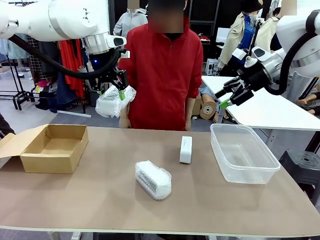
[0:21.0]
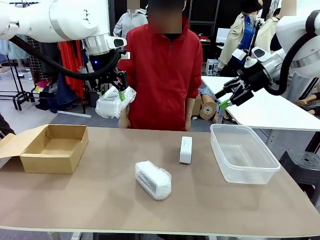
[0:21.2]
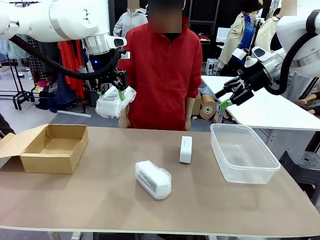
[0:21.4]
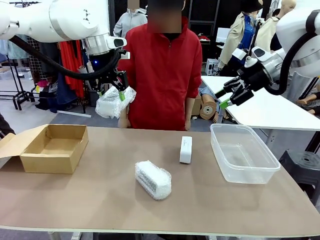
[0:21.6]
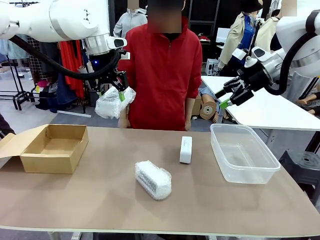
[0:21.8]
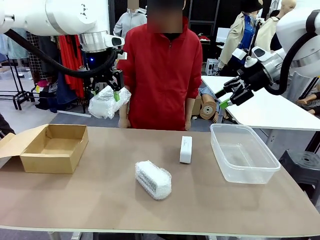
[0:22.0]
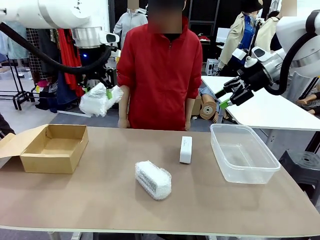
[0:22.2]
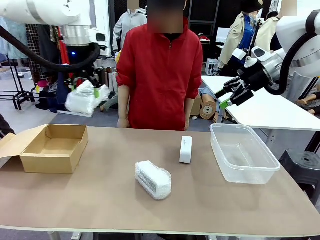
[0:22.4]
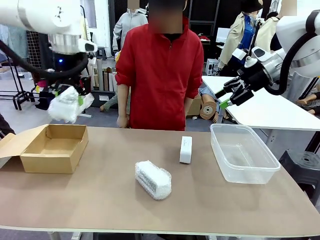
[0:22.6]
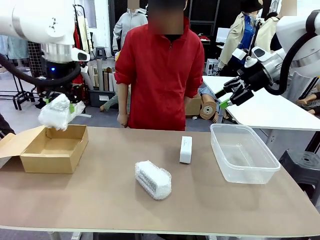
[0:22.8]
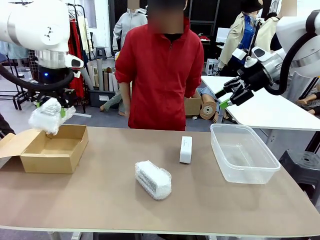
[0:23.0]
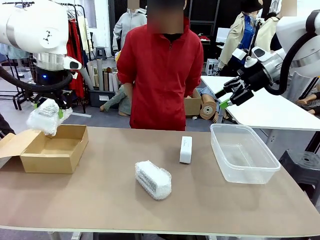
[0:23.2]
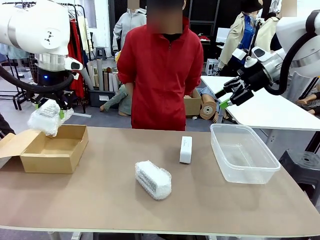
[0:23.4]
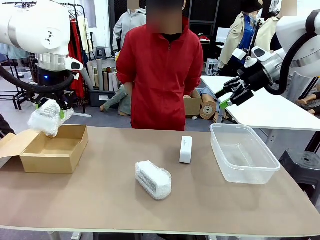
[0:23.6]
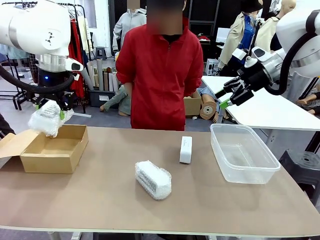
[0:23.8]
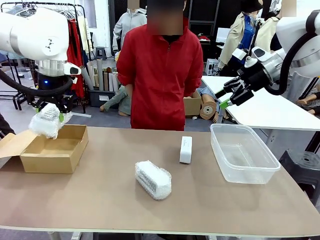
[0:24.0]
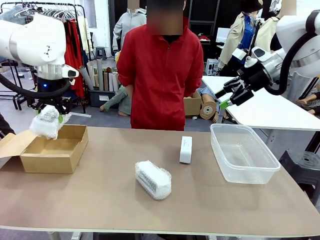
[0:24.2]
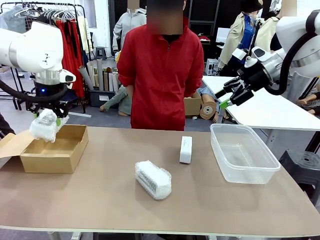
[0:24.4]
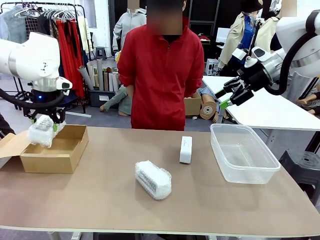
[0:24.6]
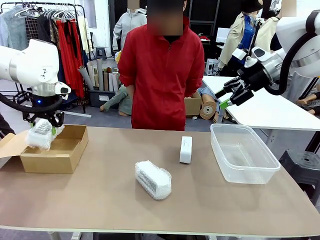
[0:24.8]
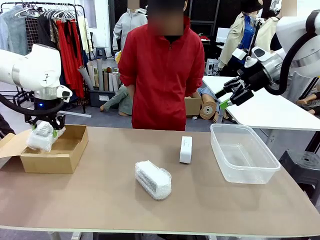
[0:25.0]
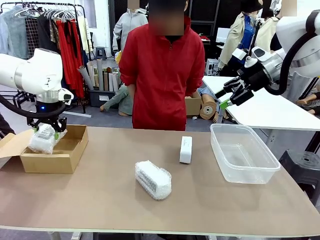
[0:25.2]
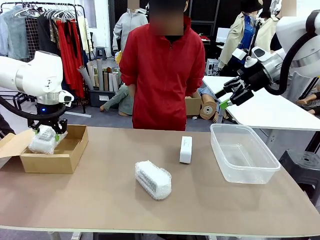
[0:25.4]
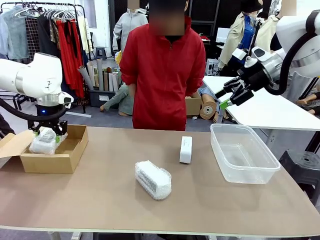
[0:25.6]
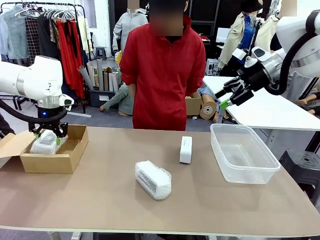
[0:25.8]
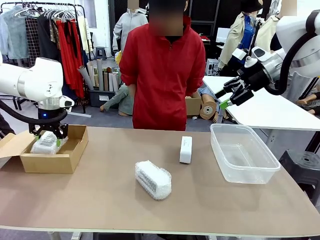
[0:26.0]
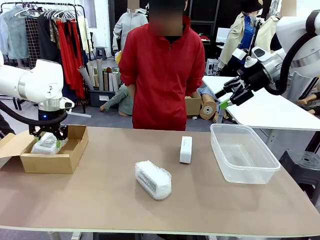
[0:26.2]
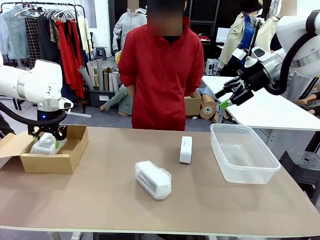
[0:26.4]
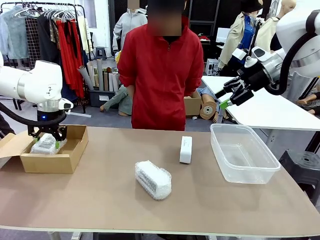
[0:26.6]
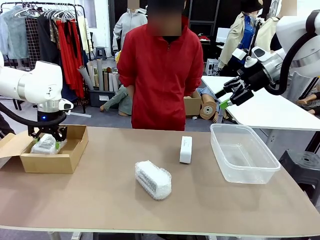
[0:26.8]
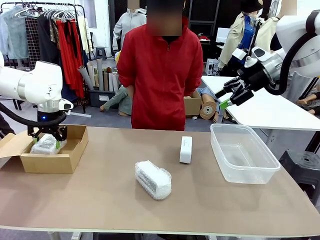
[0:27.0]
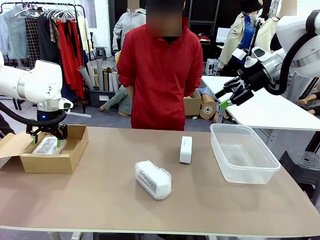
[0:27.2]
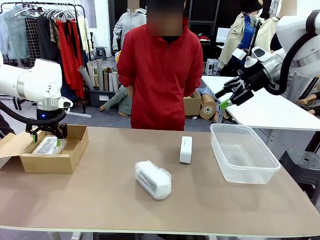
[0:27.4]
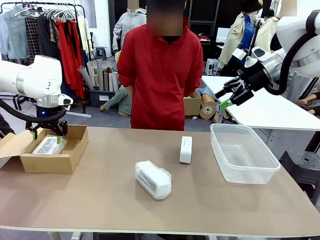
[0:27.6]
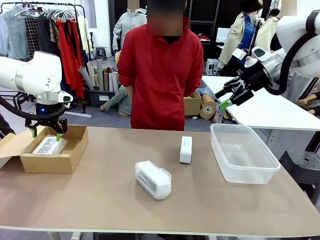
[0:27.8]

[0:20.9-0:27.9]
Task: Separate and place wrapped and unwrapped clocks.
Robot: If the picked Digital clock is wrapped, place it in the Package Box ; if not, place it in the Organizing box.

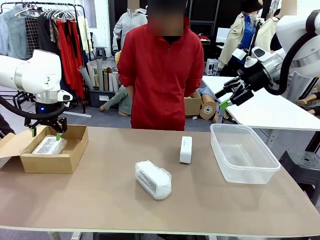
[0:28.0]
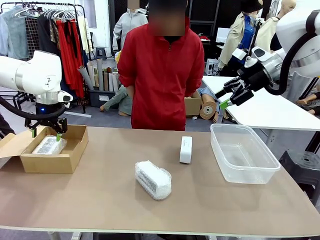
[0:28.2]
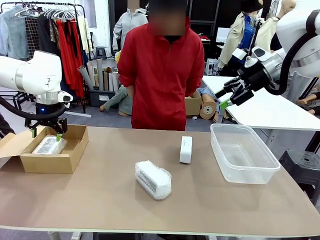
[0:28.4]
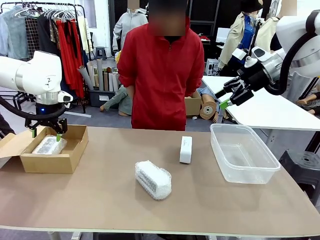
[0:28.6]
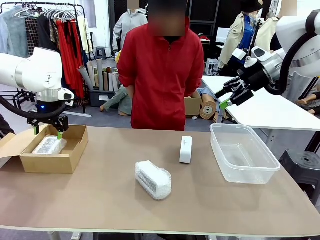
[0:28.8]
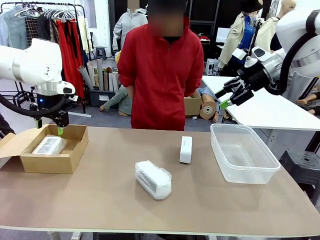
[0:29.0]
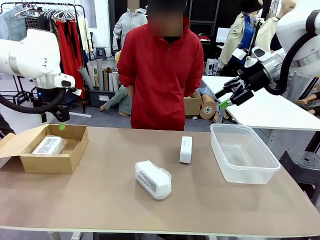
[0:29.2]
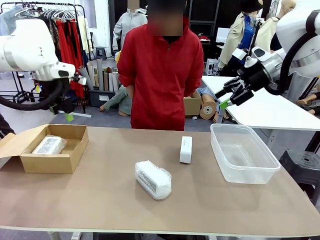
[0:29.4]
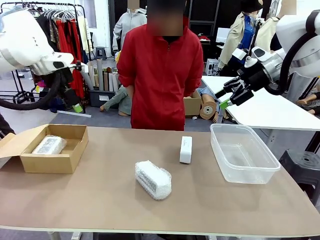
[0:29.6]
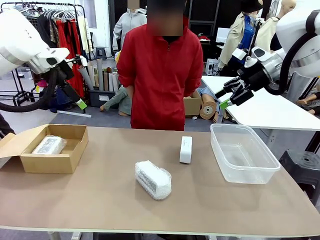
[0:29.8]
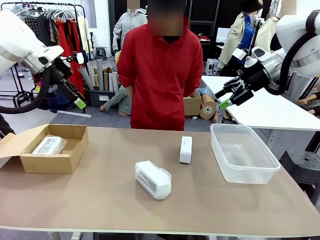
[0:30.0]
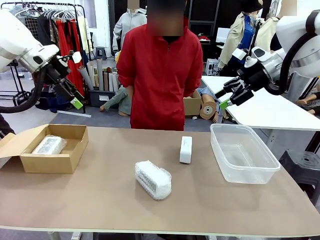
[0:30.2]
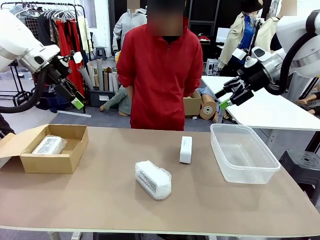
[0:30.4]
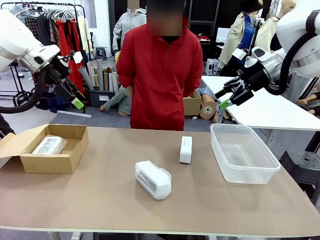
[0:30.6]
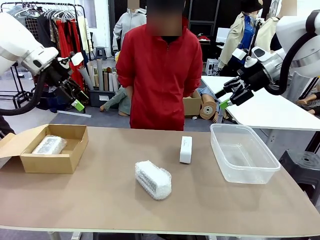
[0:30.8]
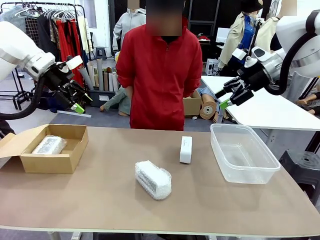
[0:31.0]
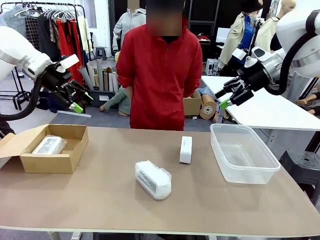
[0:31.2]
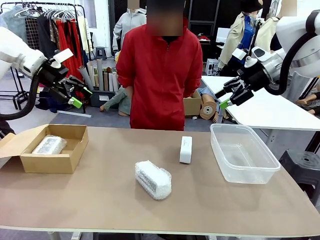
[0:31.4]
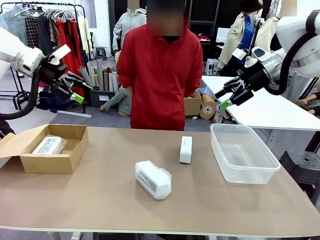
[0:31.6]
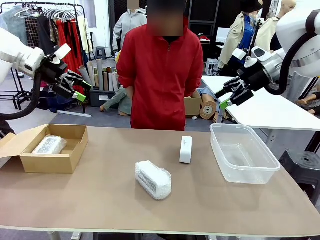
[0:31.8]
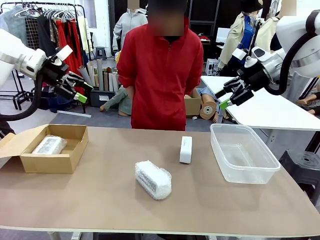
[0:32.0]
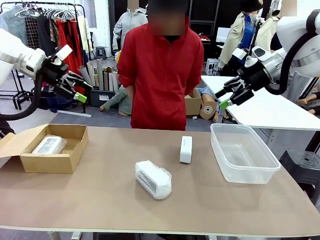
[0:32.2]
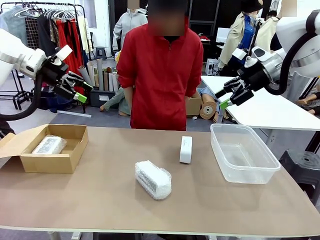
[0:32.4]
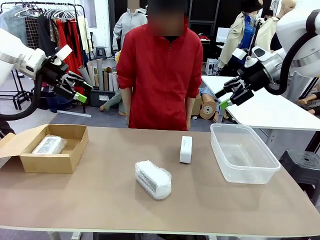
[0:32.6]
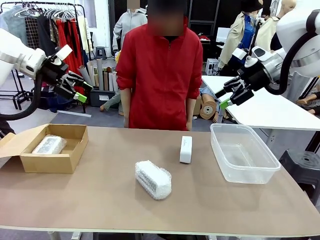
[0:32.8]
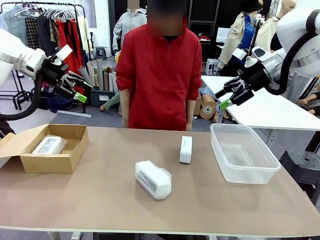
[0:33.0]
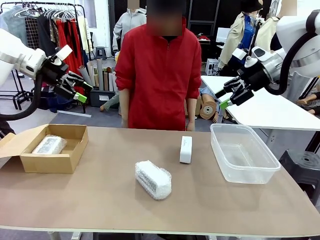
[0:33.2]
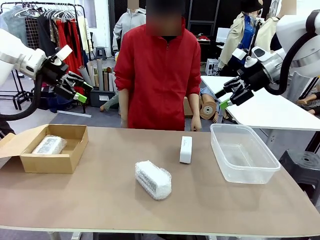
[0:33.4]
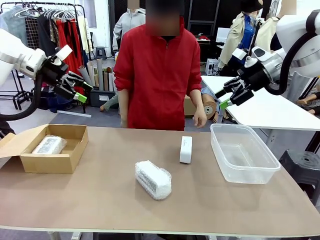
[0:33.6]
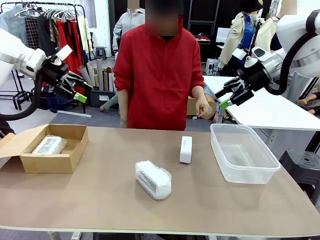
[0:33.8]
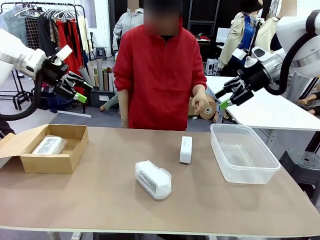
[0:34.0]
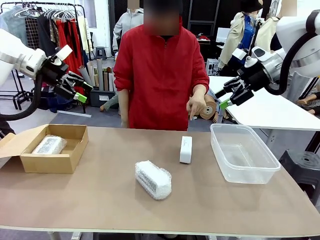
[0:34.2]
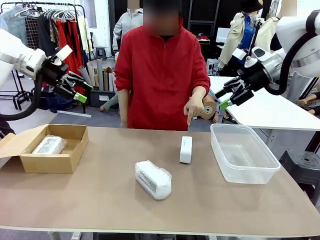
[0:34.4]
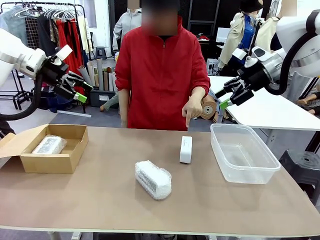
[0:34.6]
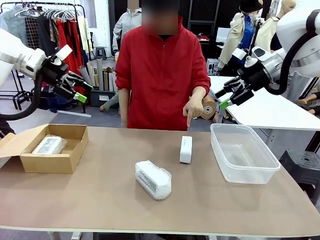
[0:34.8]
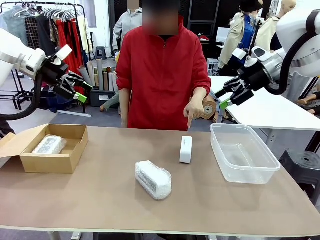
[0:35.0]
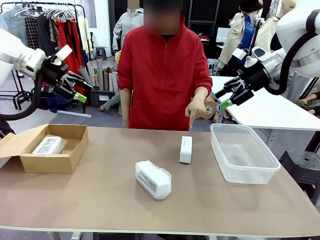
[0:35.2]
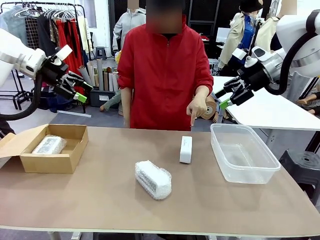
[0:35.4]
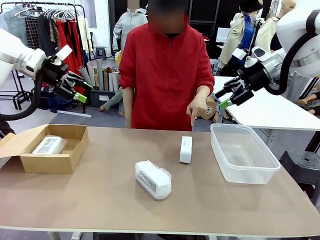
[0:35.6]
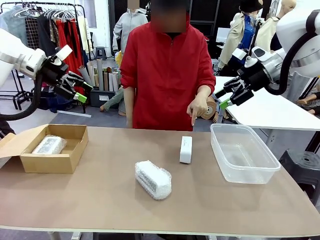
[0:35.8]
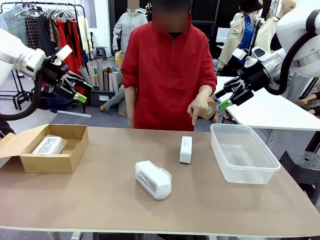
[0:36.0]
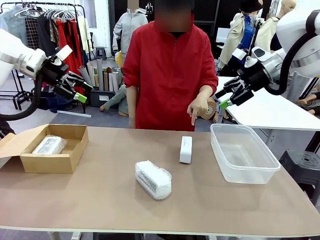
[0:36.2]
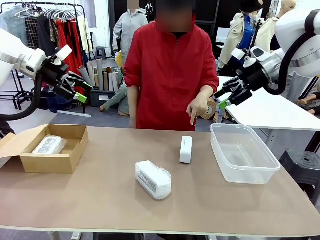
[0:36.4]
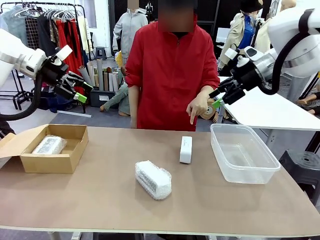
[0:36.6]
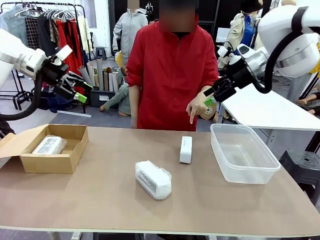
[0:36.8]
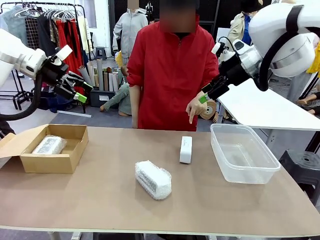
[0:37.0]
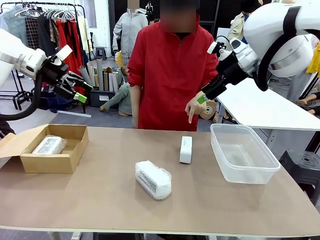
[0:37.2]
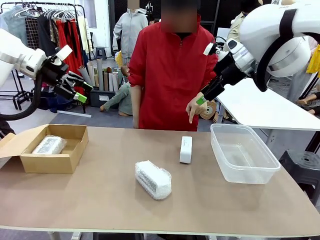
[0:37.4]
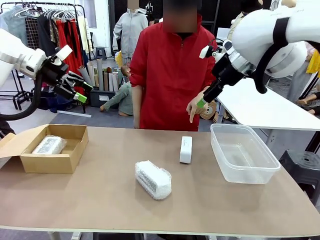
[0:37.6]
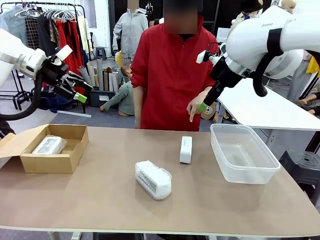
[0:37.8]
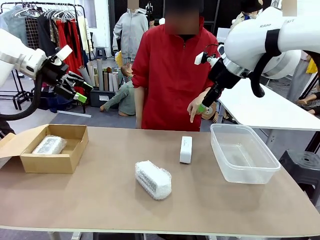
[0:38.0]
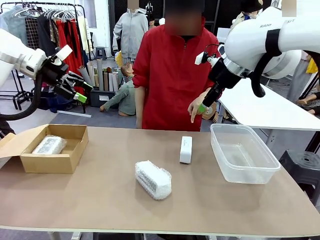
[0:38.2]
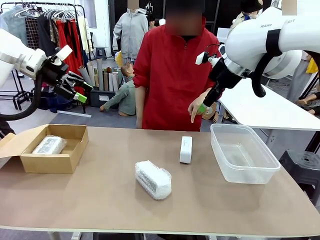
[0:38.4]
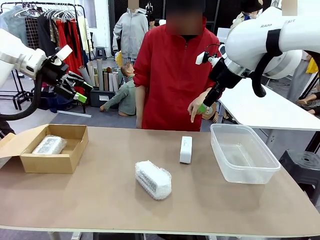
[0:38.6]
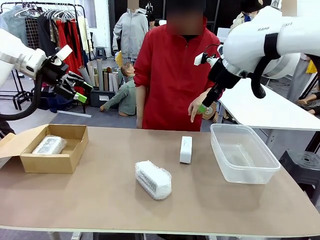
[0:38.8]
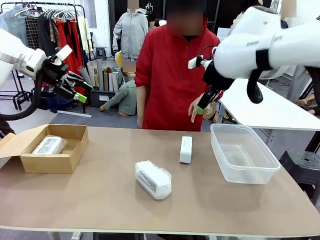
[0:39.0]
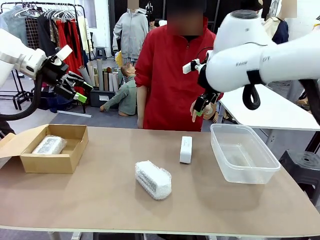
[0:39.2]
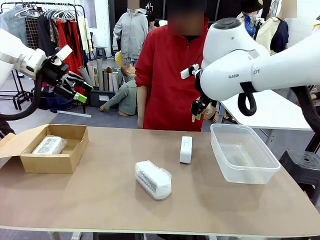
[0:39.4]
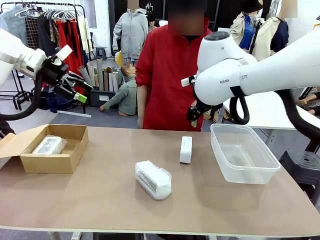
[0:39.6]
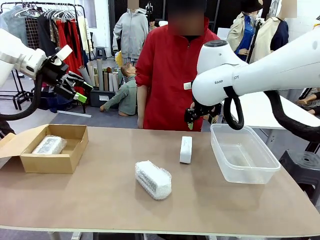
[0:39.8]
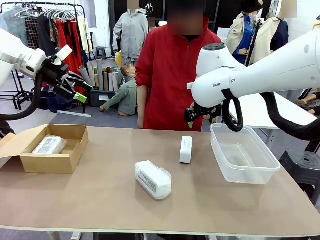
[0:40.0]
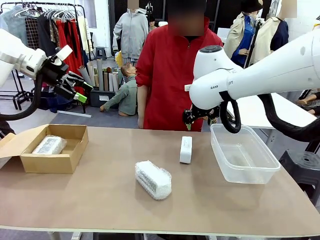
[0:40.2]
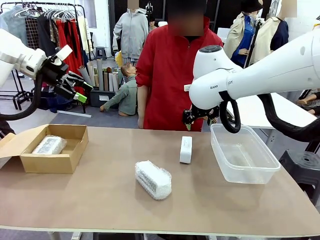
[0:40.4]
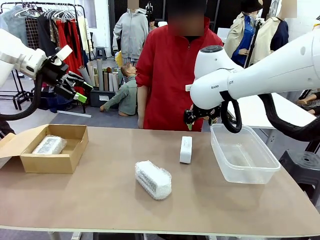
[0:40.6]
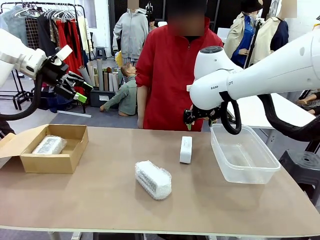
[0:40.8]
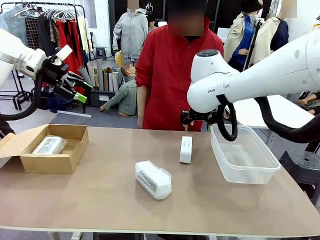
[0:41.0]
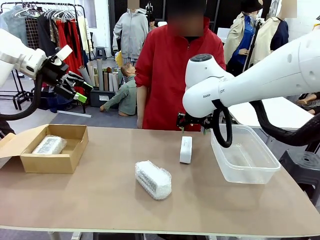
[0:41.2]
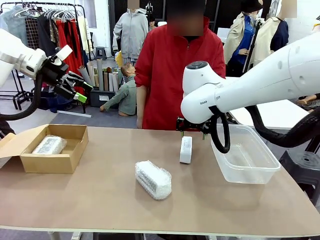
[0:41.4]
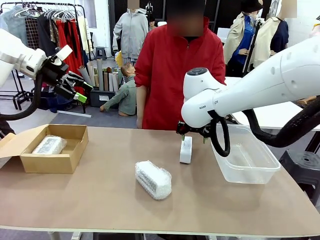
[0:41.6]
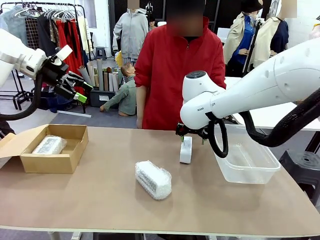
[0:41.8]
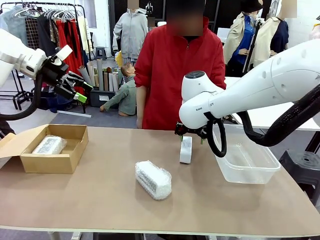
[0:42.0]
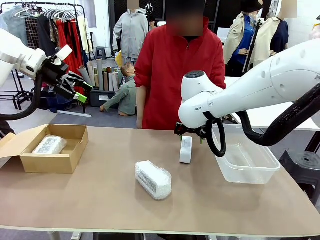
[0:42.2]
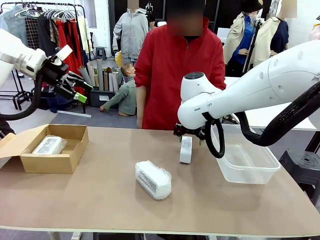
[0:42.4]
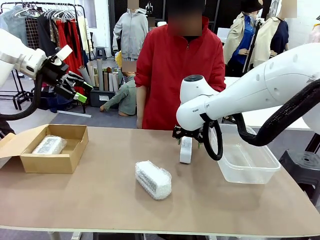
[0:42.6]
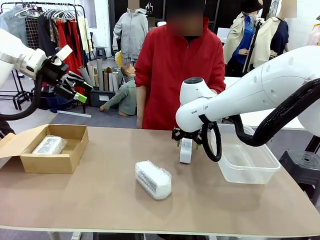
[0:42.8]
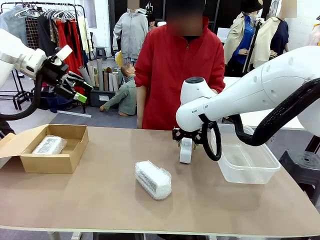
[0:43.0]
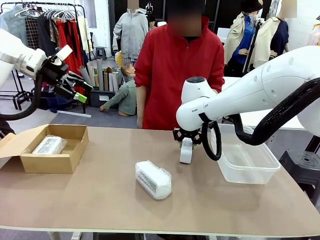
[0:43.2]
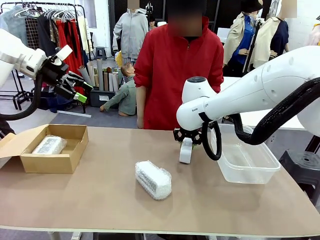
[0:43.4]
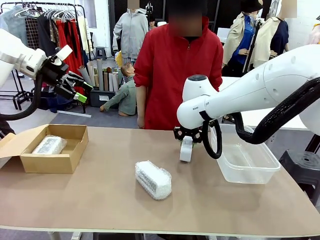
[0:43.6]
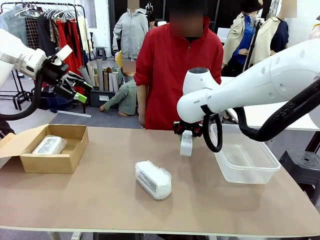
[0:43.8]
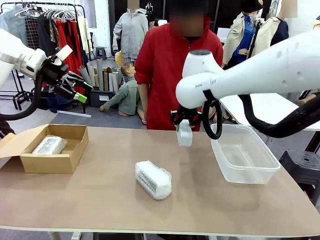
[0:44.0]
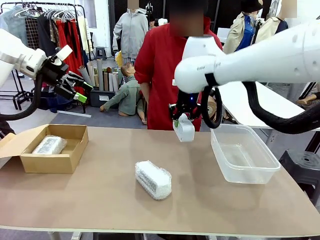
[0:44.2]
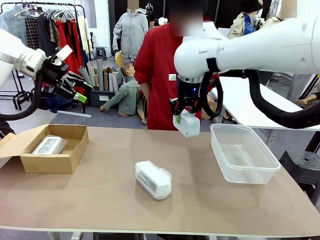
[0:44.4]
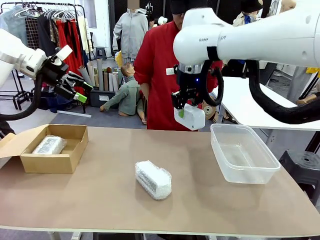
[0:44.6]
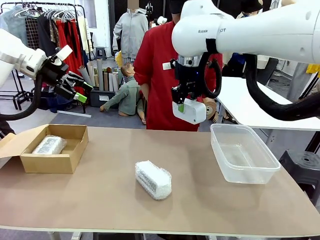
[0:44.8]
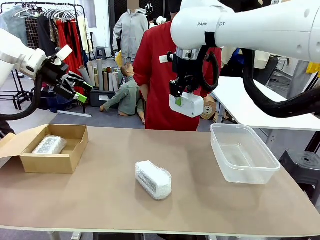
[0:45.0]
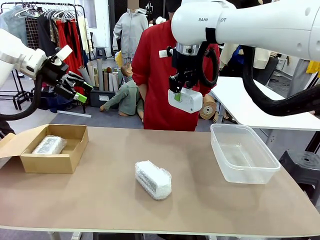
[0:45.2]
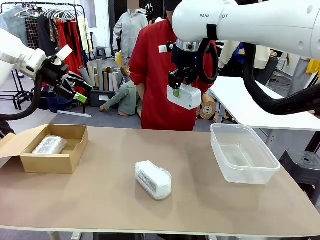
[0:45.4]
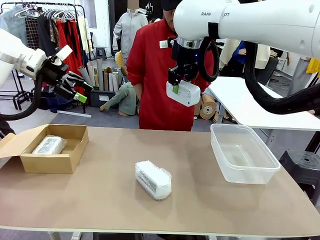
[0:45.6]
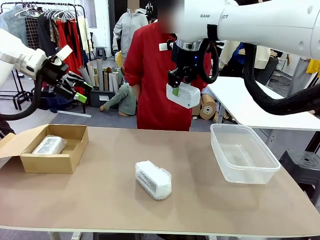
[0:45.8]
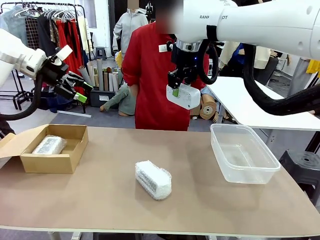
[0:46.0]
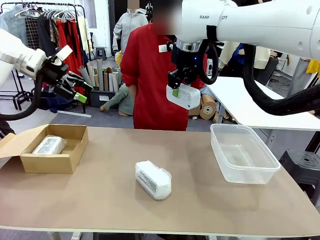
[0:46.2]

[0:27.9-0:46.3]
Robot: Pick up the Digital clock indicated by the person.
